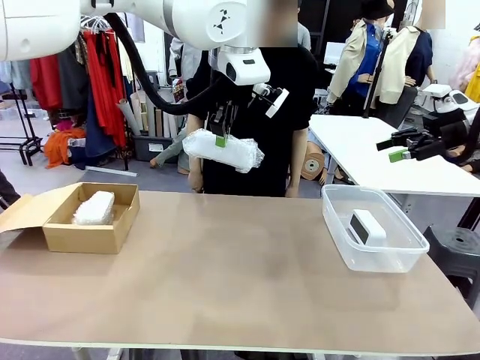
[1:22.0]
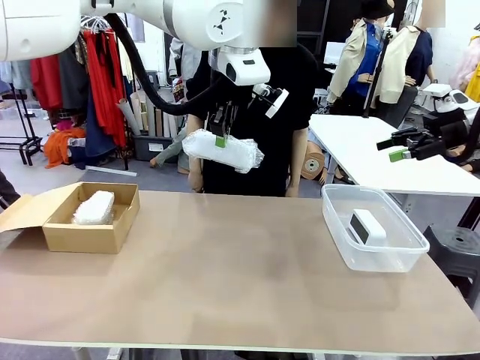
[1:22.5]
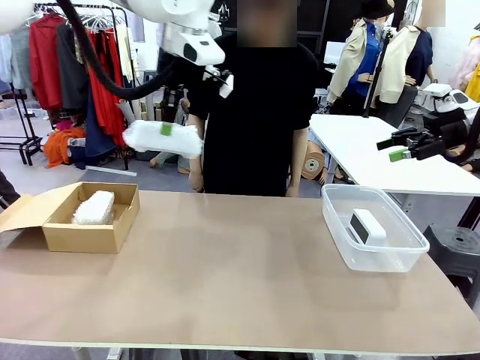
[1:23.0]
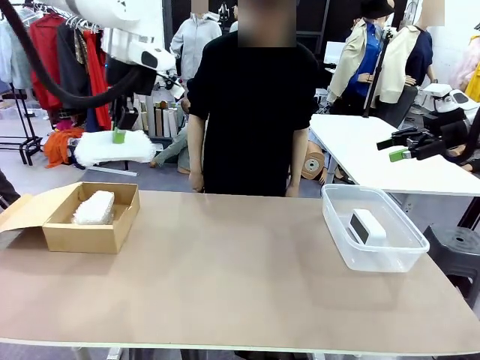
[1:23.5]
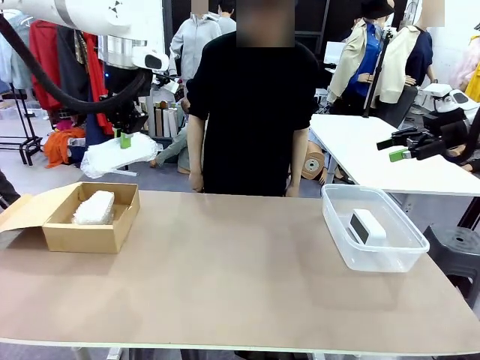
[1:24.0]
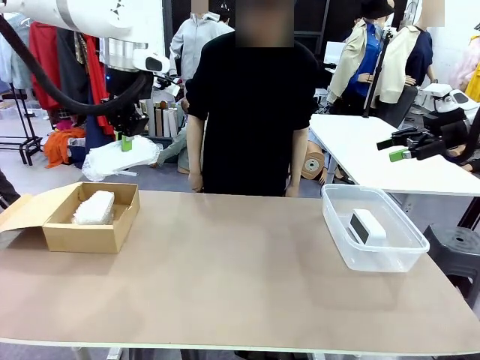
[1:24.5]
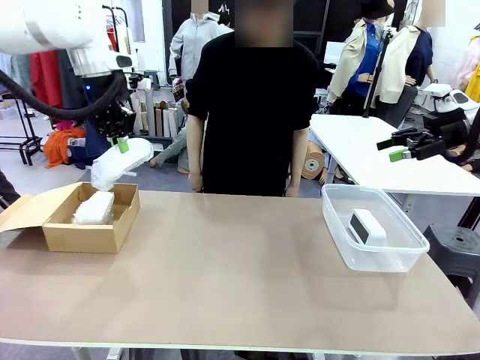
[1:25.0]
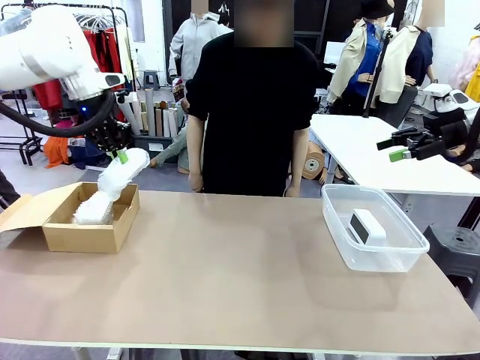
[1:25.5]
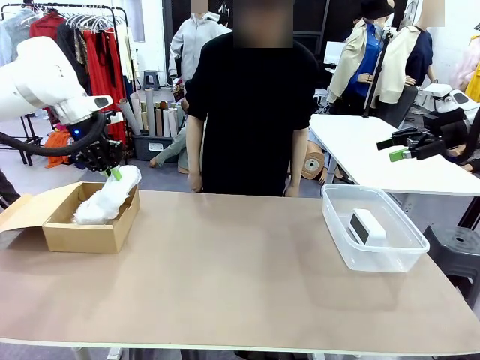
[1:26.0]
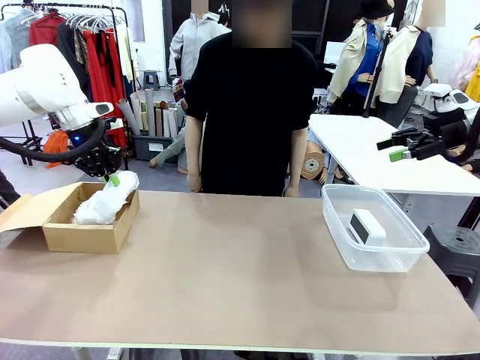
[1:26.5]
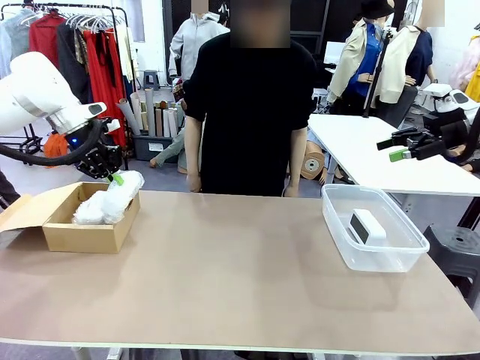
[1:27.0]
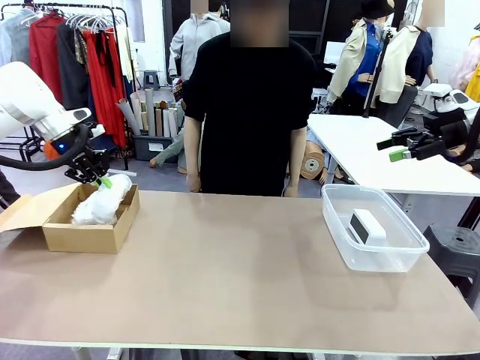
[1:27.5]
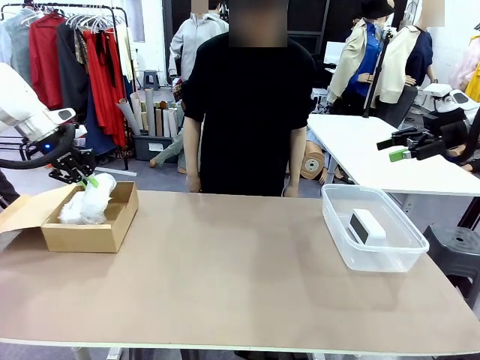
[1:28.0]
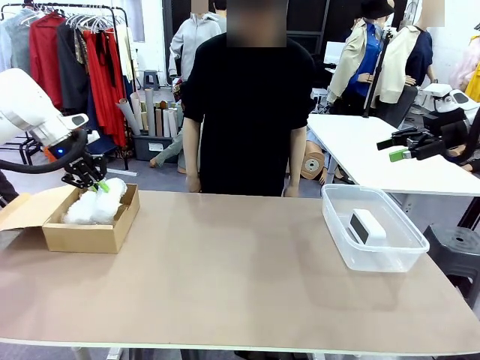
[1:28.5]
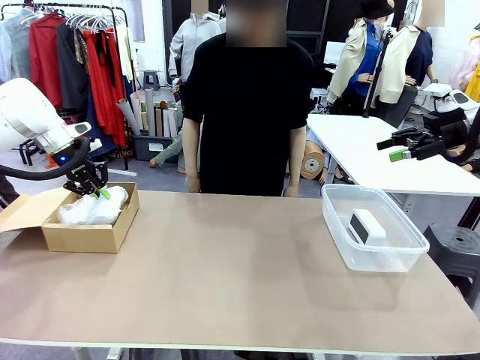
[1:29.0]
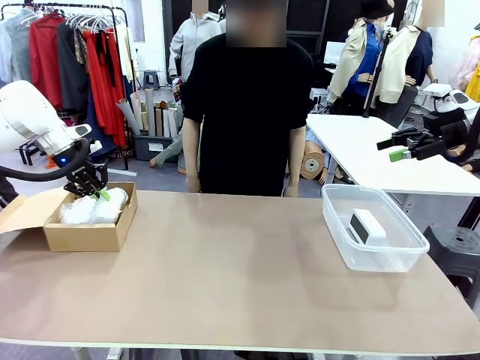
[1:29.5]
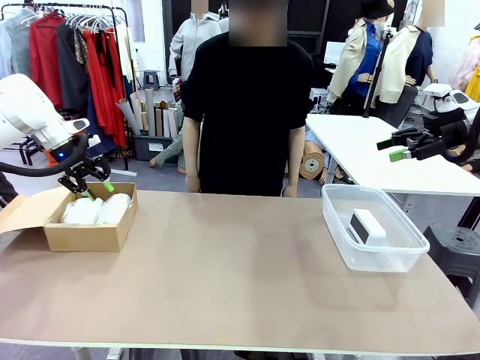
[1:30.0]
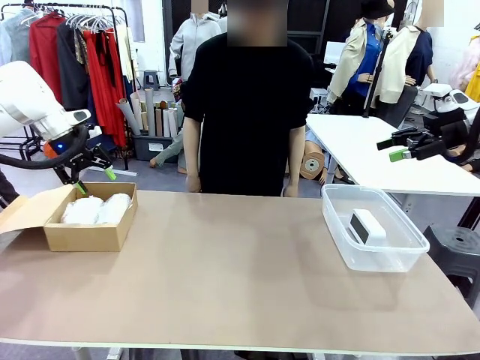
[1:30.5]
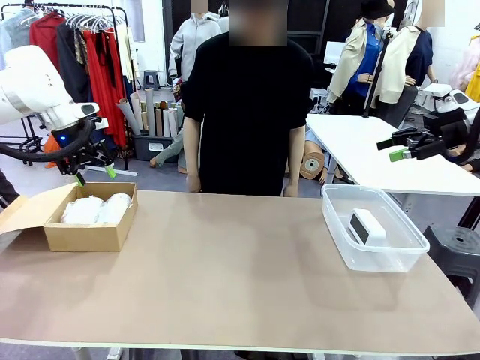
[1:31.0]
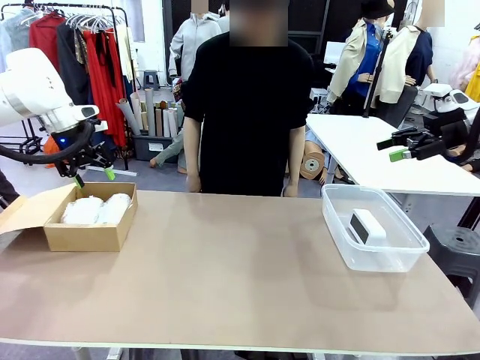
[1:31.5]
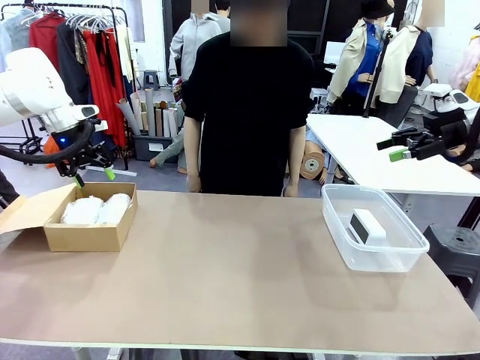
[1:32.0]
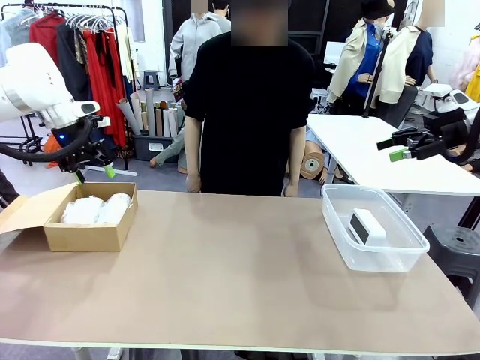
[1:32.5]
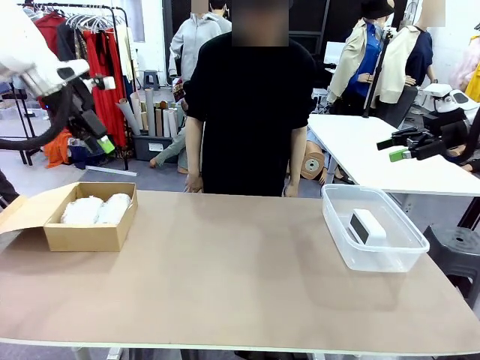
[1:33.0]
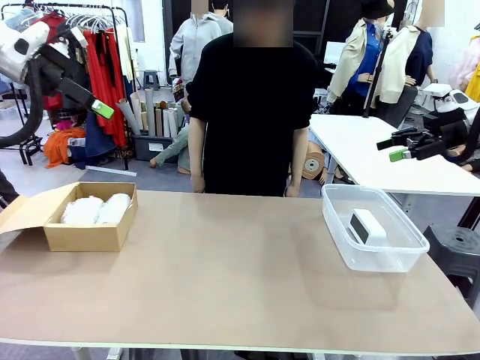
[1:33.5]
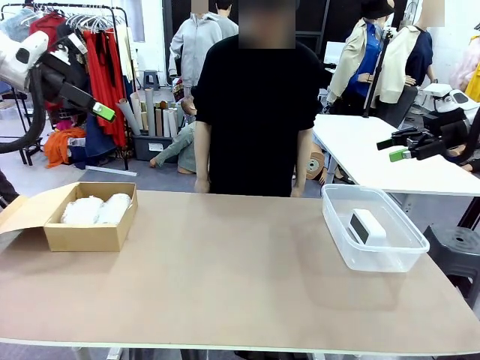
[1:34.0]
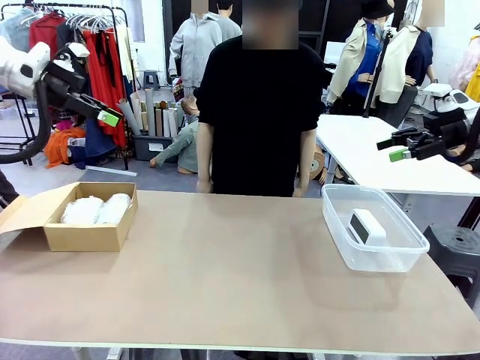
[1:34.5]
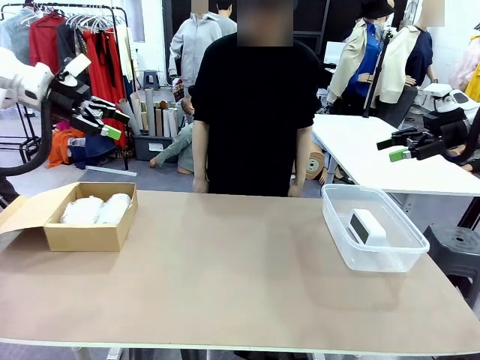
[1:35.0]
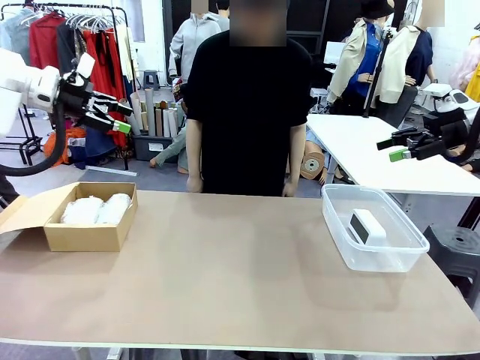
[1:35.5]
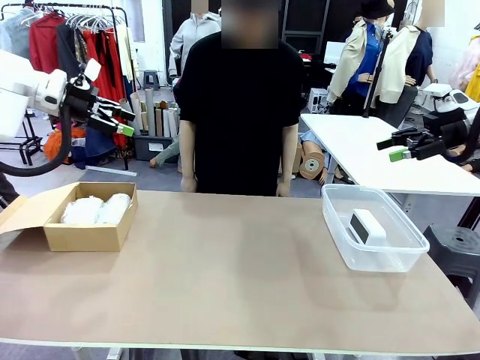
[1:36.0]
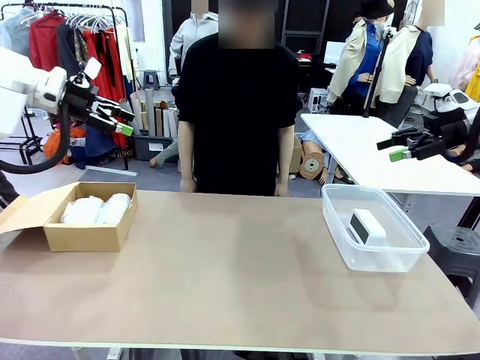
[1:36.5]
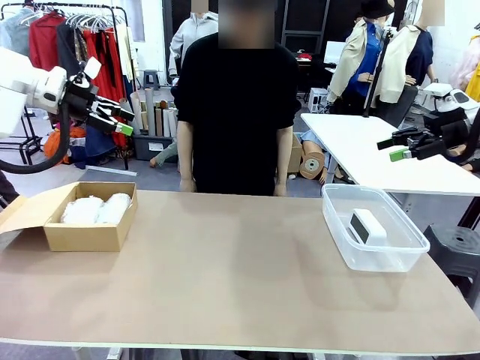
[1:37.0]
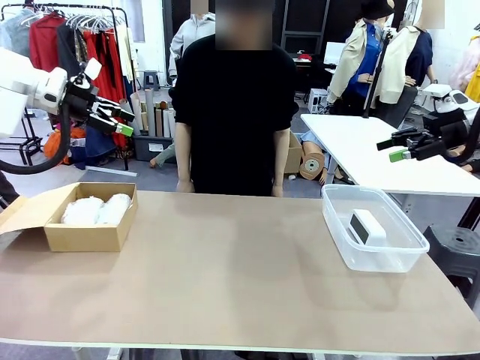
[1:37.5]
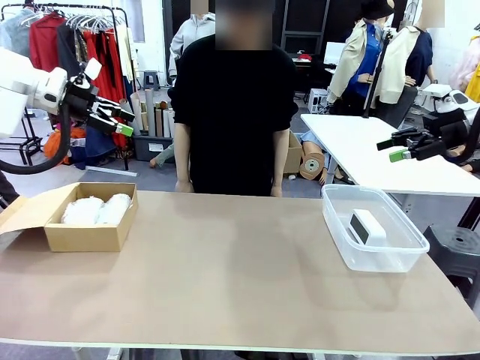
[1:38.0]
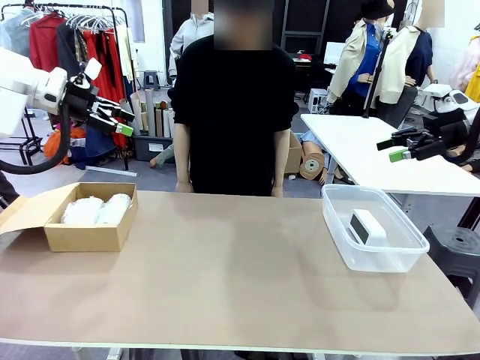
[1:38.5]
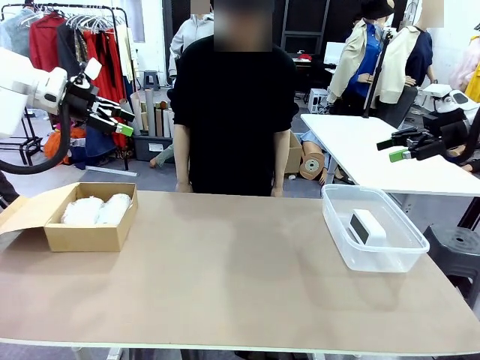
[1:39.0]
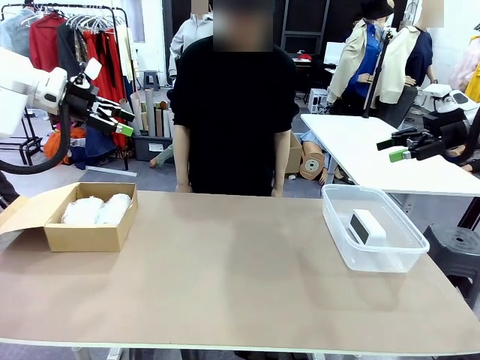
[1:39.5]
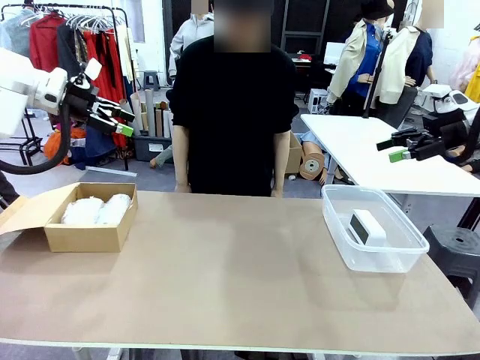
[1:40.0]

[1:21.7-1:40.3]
Task: Separate and place wrapped and unwrapped clocks.
Robot: If the picked Digital clock is wrapped, place it in the Package Box ; if not, place it in the Organizing box.

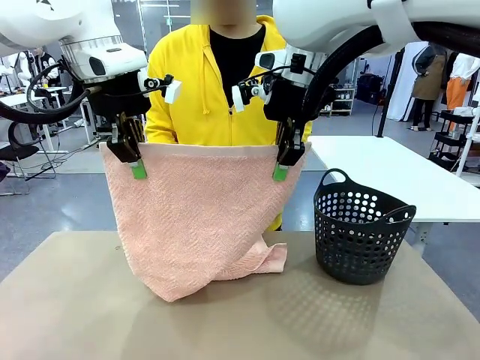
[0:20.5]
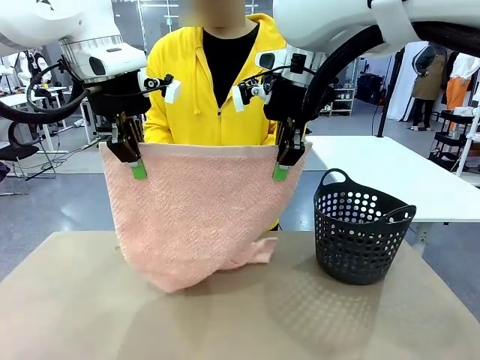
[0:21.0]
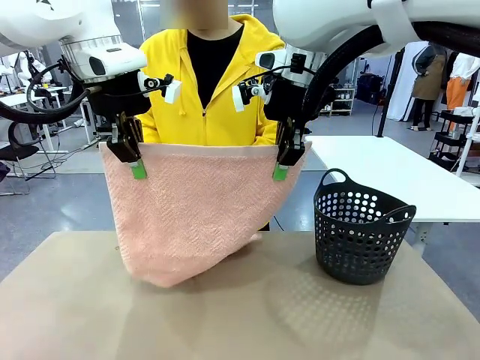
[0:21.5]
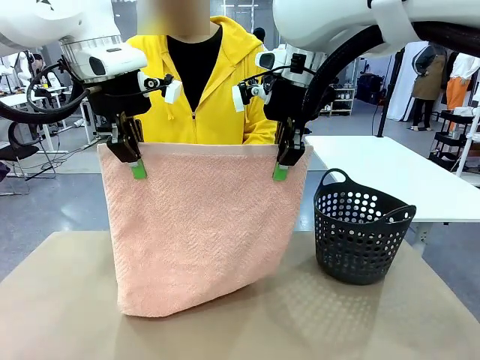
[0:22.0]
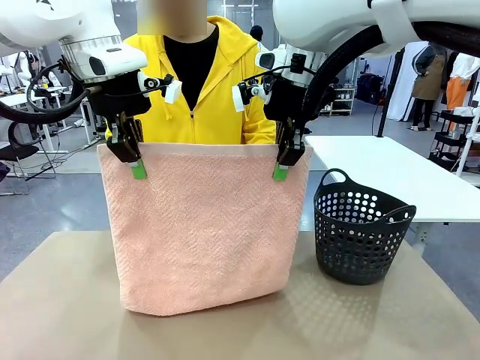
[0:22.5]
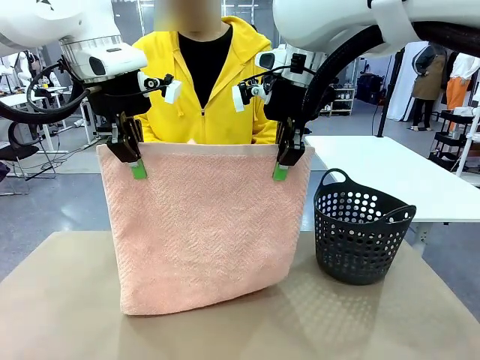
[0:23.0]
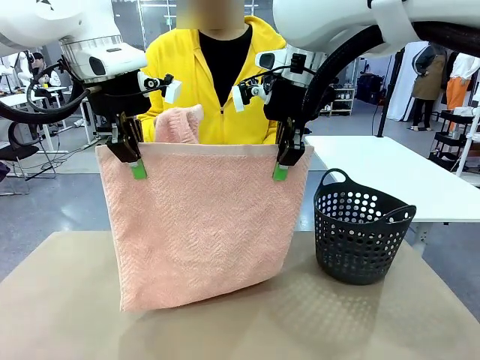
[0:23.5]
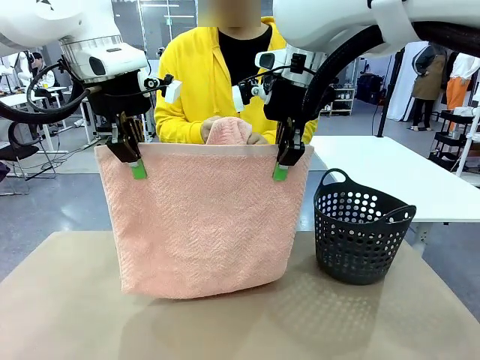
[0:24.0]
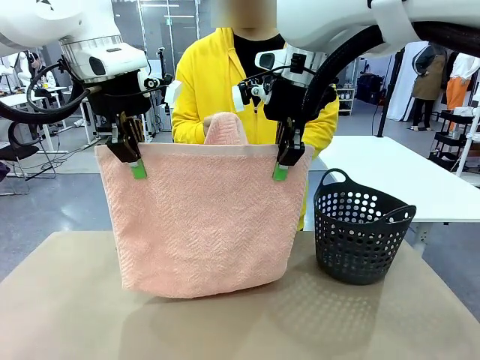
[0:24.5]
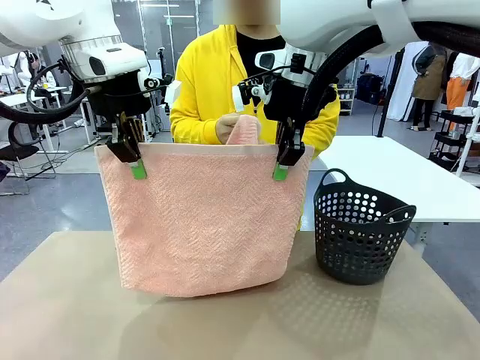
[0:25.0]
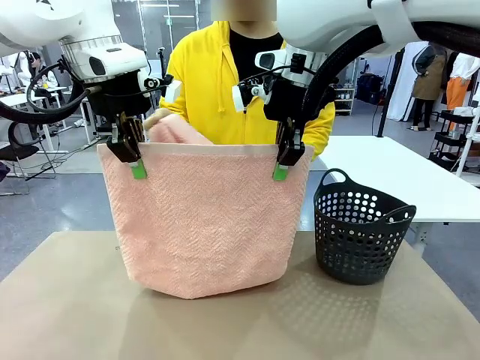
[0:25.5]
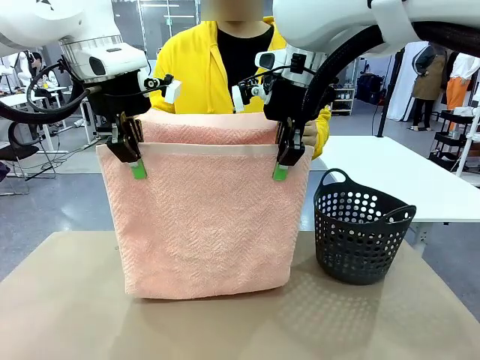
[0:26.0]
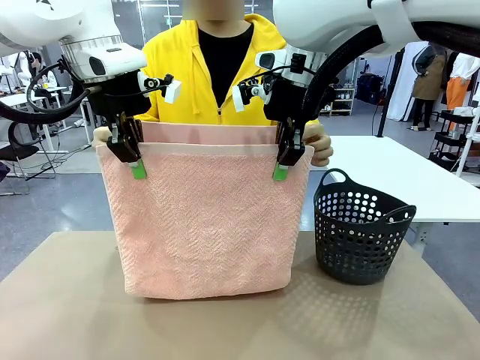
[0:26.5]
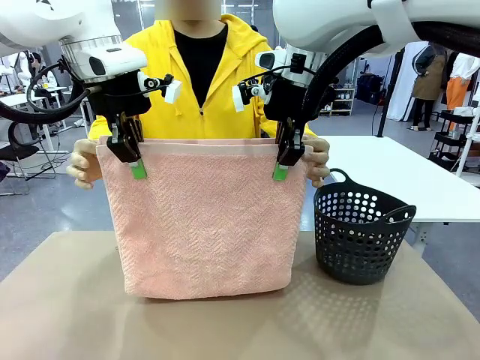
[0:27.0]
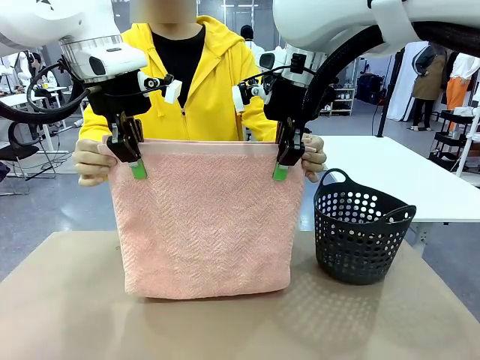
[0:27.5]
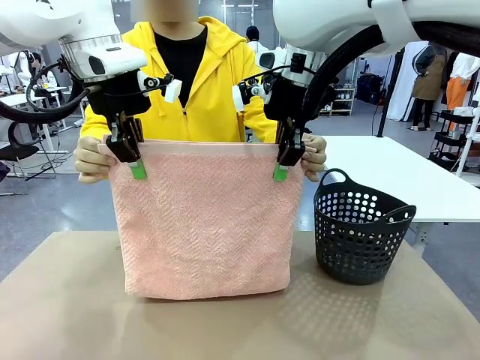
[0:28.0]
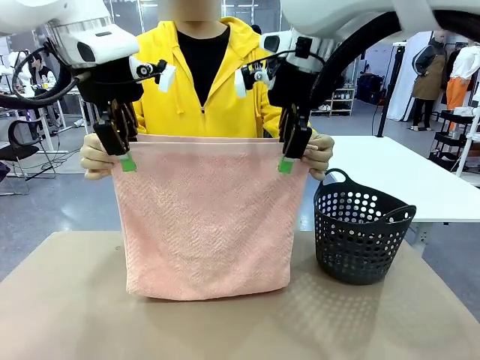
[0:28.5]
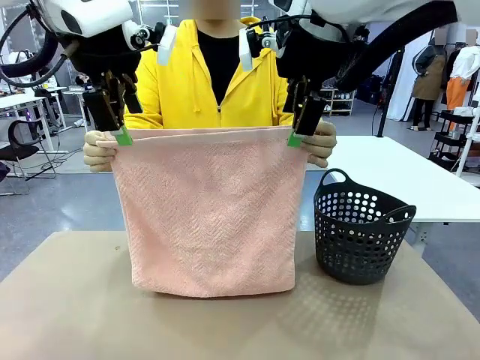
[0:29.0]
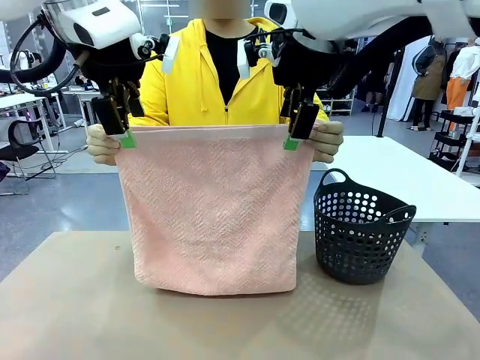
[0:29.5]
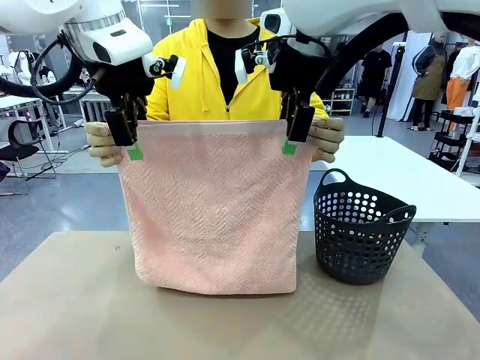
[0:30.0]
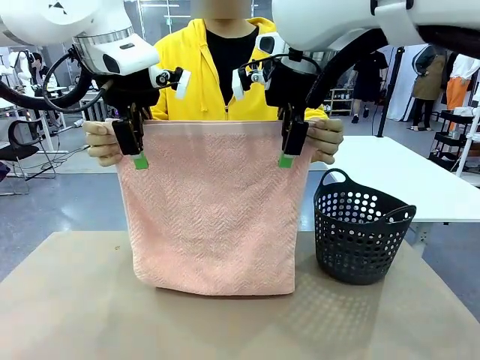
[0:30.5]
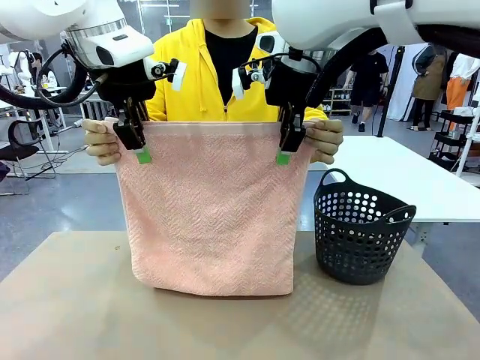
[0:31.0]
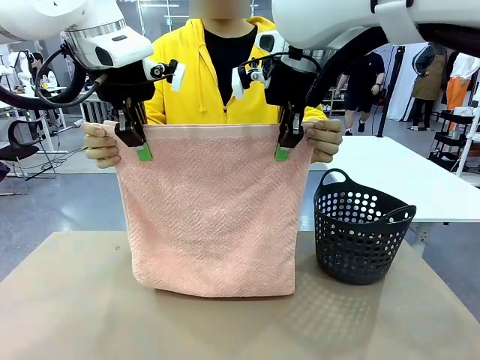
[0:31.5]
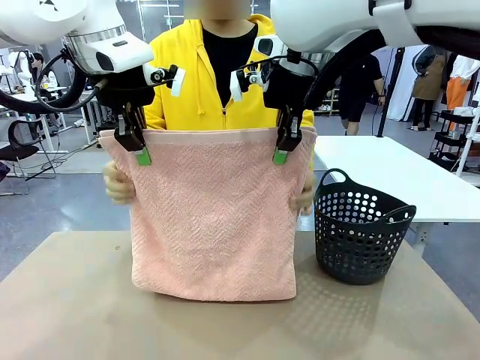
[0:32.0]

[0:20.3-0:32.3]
Task: Fold the towel.
Robot: Release the end of the 100 cm Hotel Towel you were holding and grab the top end of the folded side.
Person: Using the point held by the robot as a reference, grasp the opposite end, fold the towel in half, and then hold both ends of the folded towel.
